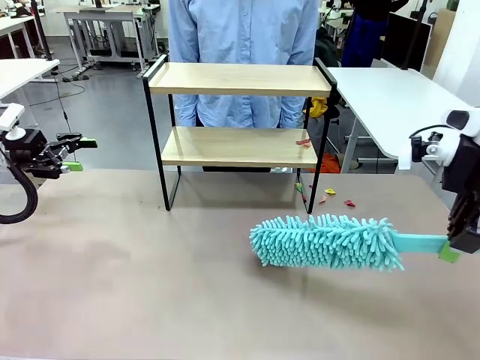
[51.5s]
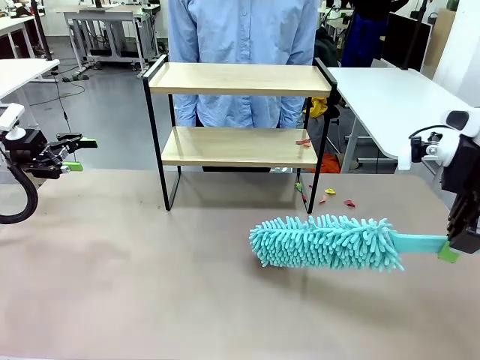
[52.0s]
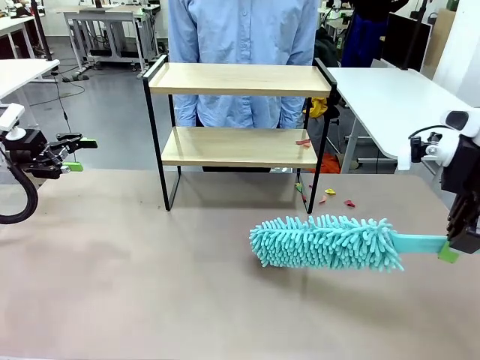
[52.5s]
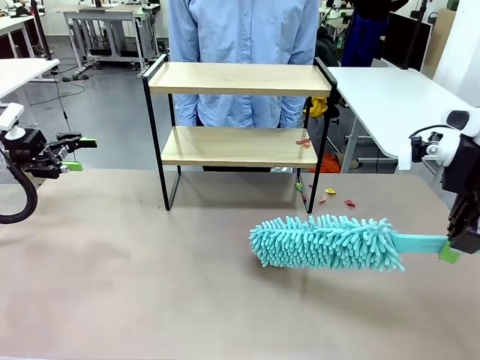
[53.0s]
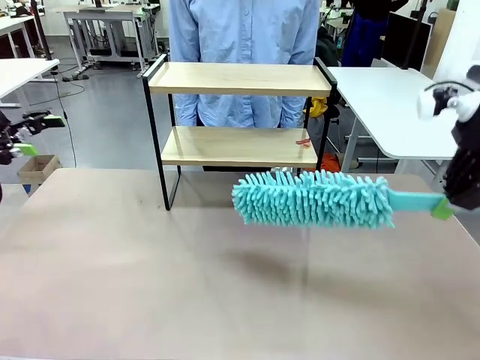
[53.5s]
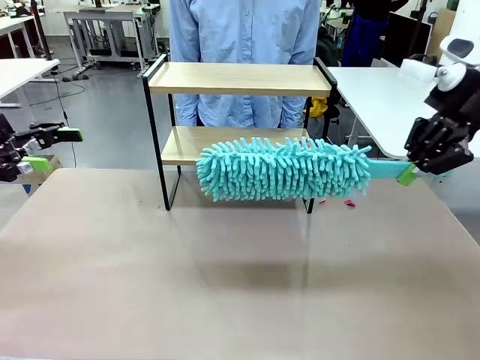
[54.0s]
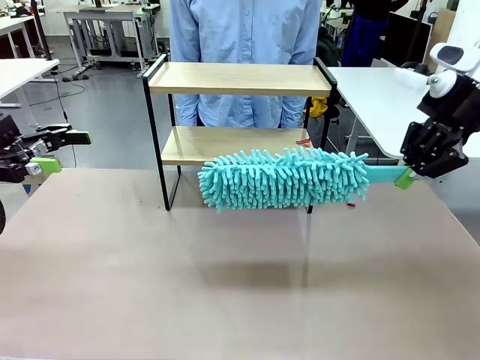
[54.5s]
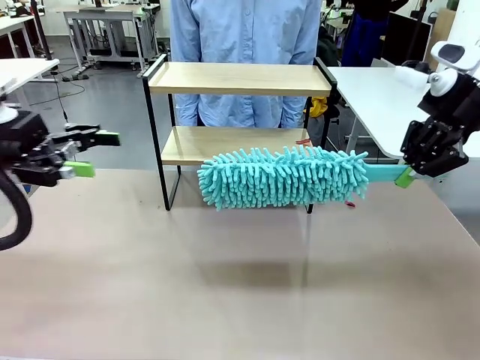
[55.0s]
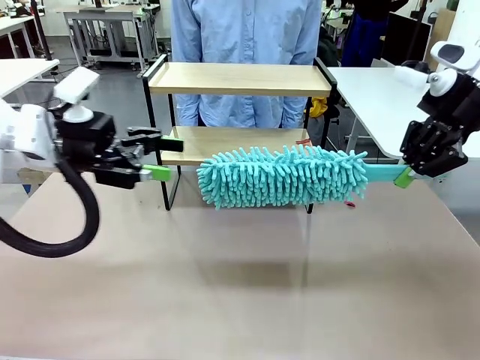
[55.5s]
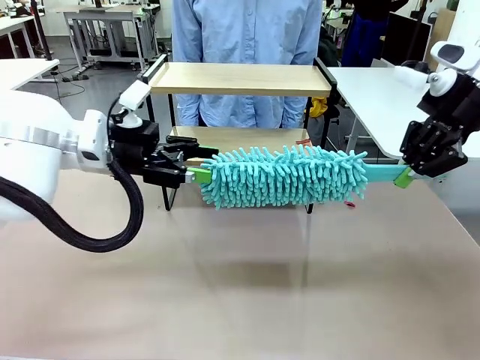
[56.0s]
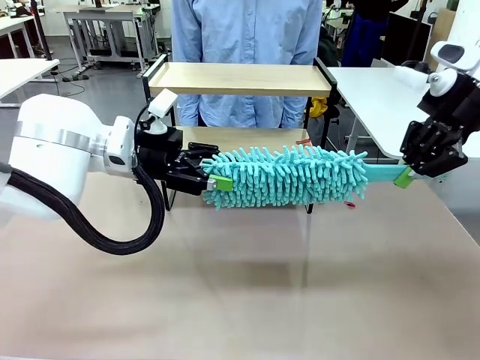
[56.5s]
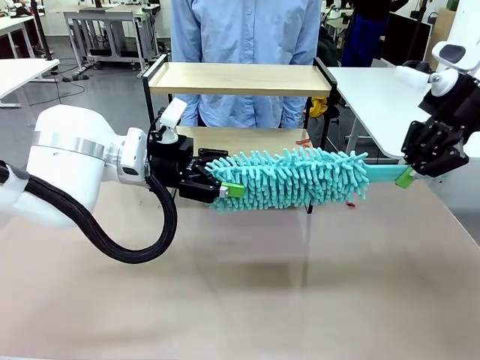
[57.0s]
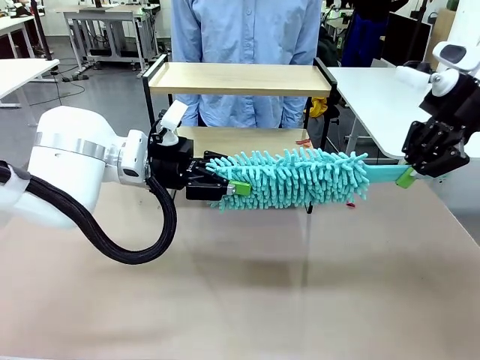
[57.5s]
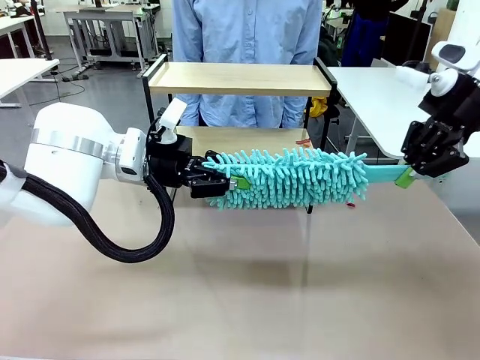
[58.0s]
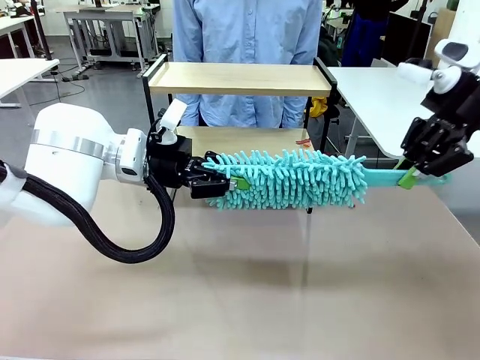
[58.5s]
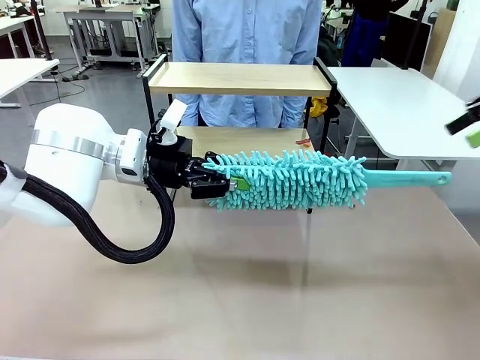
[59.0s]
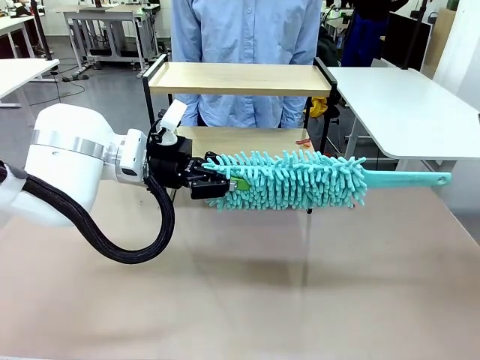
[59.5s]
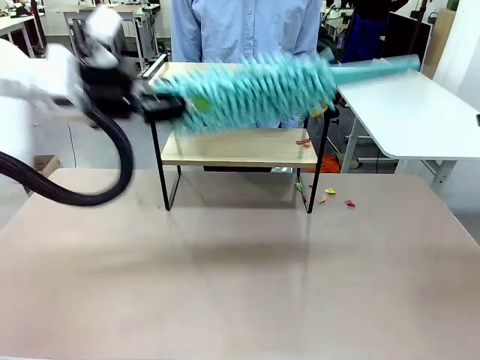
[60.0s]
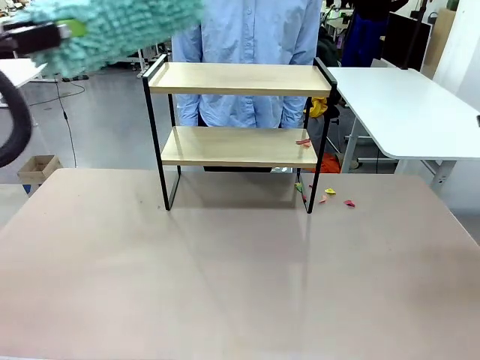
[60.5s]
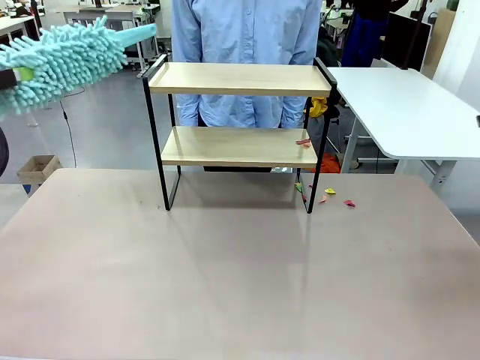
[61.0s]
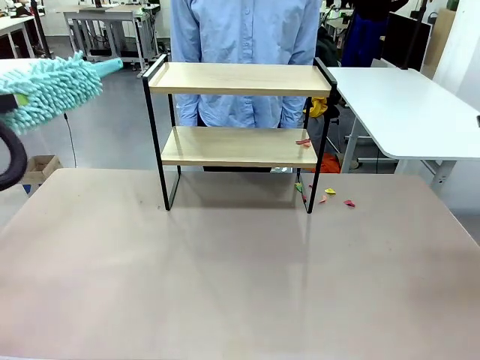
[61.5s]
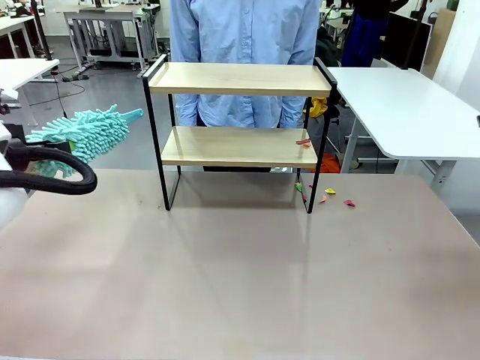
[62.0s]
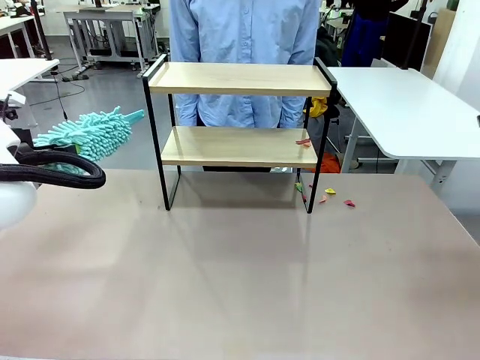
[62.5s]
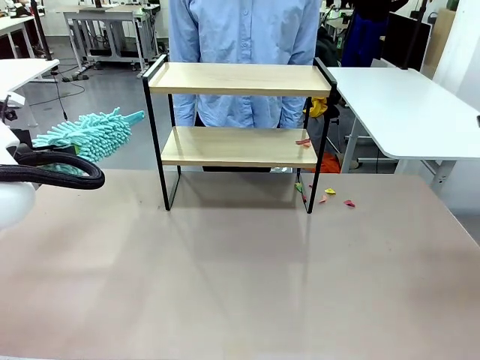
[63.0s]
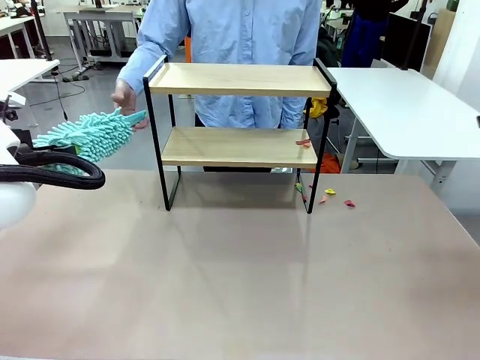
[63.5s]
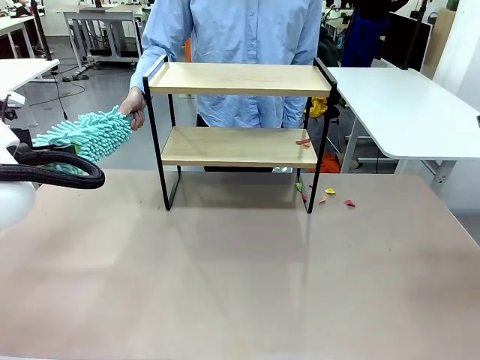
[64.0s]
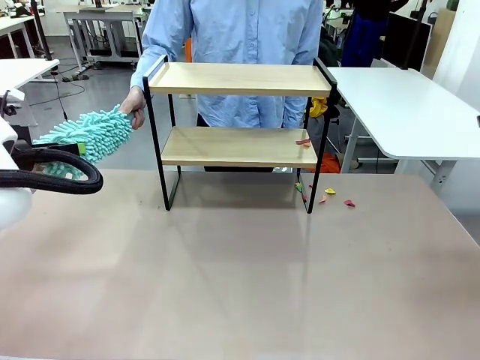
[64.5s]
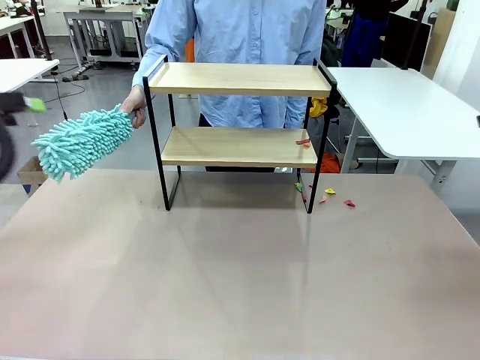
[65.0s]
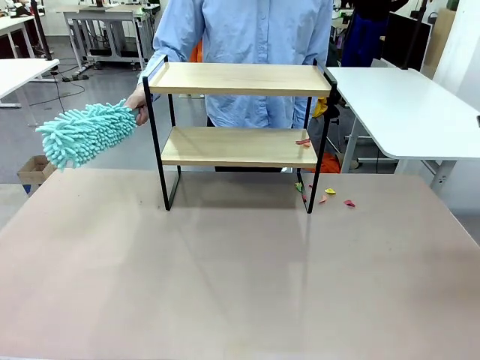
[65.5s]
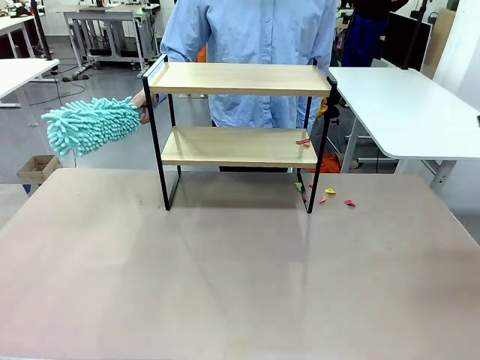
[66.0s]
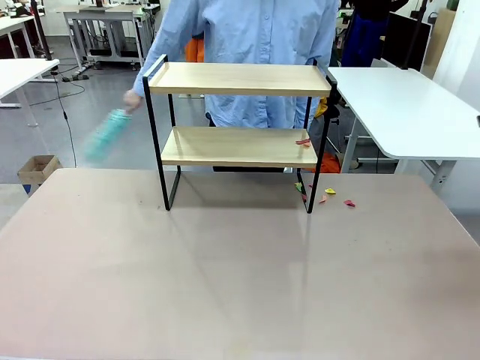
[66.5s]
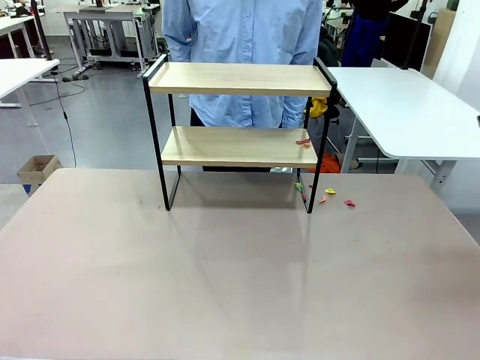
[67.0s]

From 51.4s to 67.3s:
Task: Clean the shelf.
Robot: Hand the Duster back to the human.
Person: Receive the Duster from the robot.

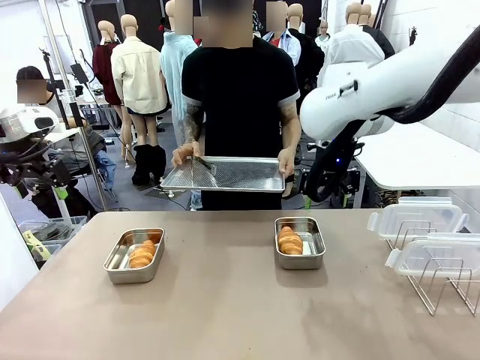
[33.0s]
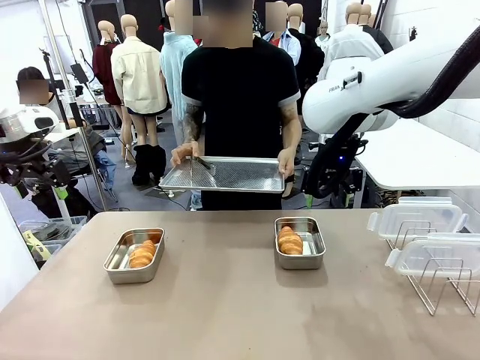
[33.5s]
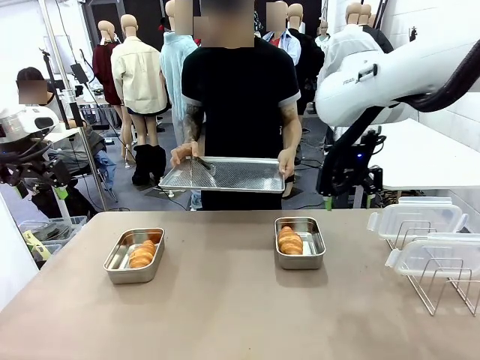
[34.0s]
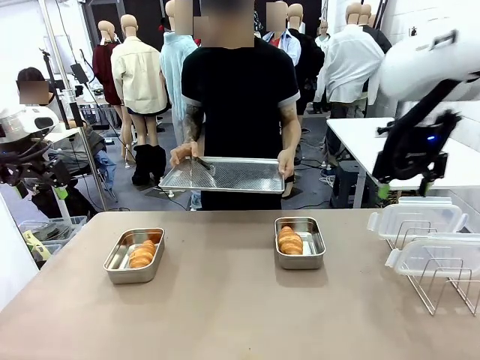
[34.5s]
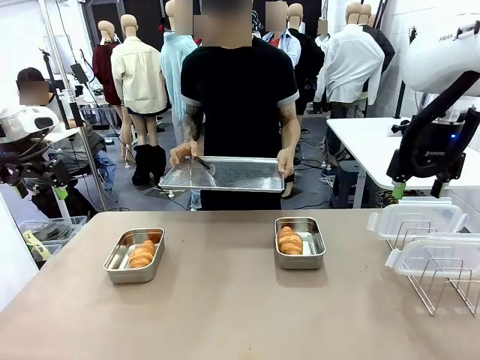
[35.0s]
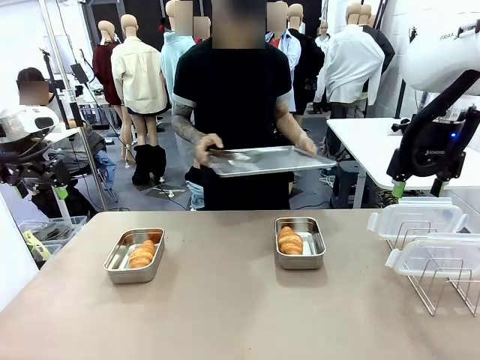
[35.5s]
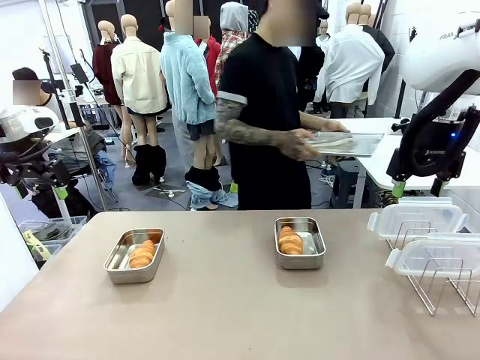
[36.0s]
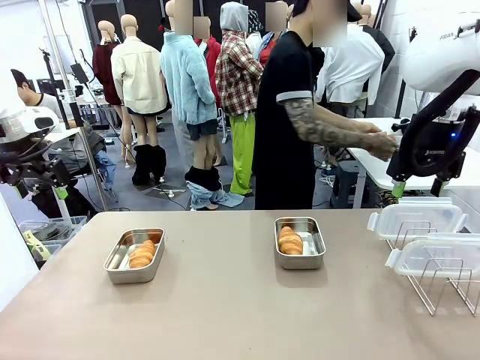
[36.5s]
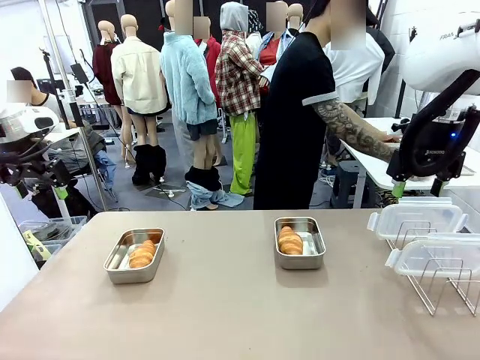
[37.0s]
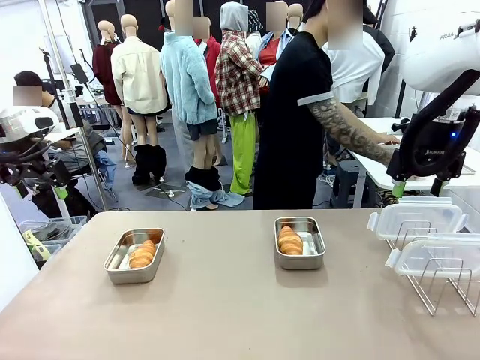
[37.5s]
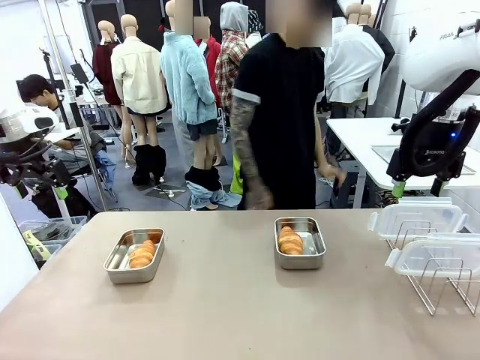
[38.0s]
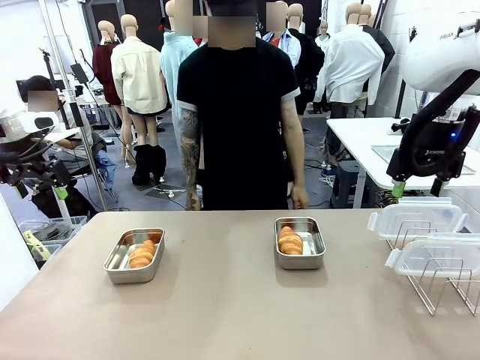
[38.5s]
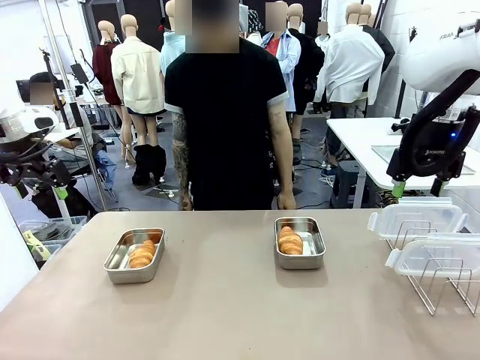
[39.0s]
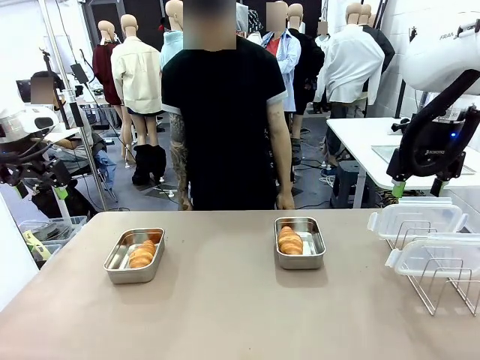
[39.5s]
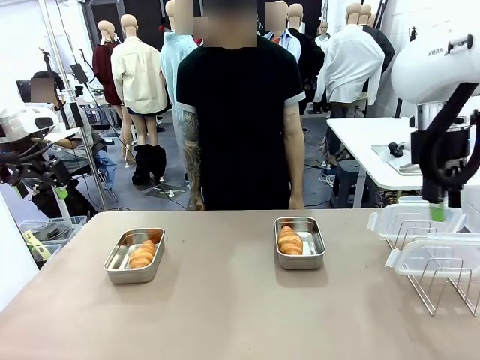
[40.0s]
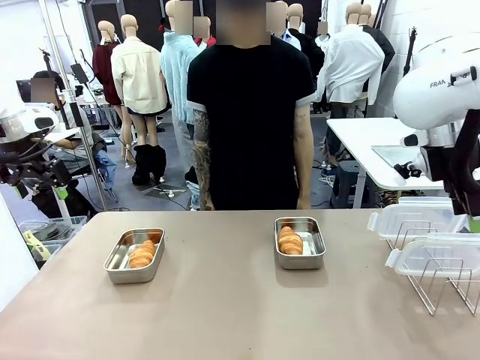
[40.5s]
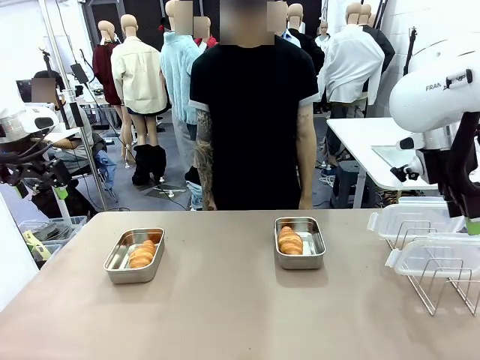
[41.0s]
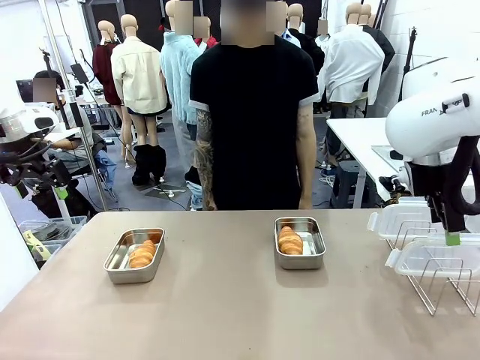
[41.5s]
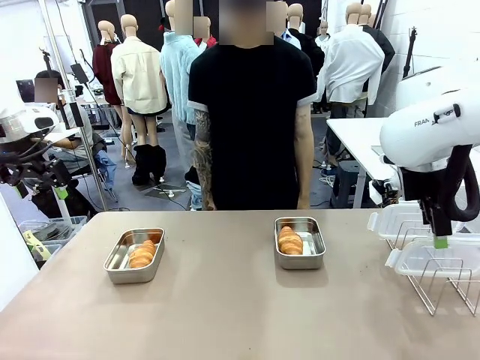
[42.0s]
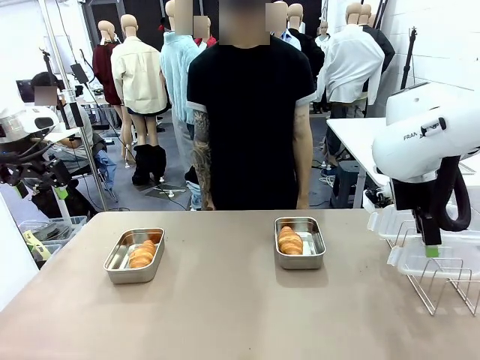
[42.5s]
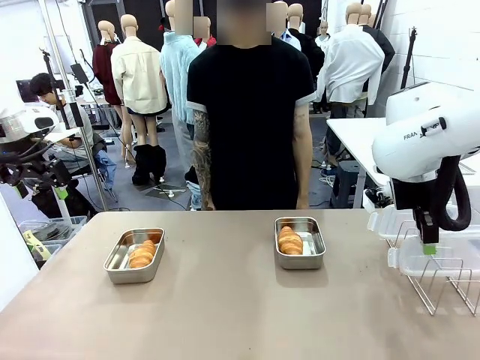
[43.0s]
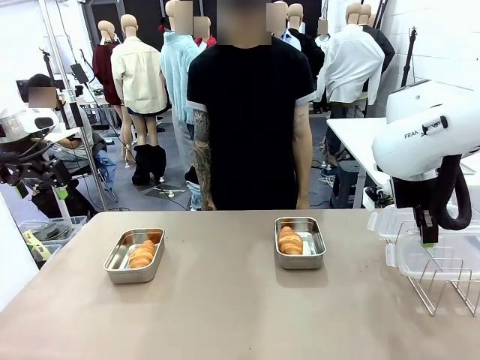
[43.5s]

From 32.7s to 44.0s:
Task: Place the bread in airtight containers.
Robot: Pick up one Airtight Container lid and hand it to the human.
Person: Place Baking Sheet on the Human's Table.

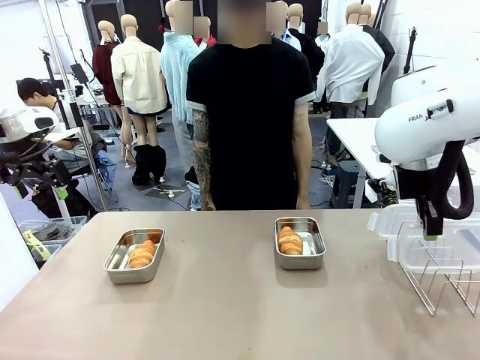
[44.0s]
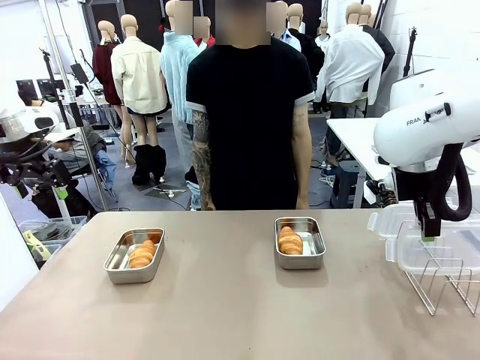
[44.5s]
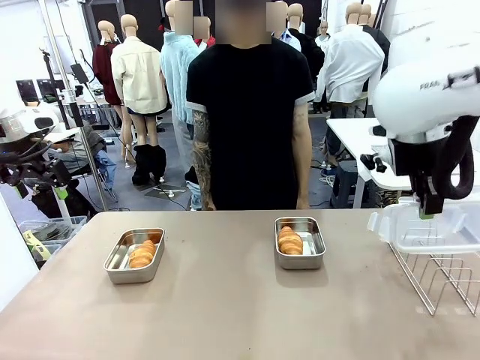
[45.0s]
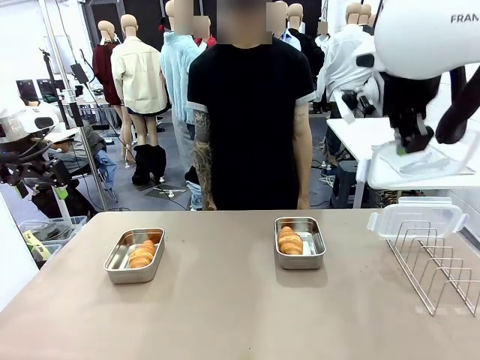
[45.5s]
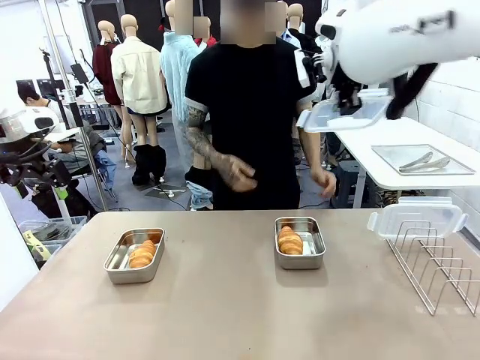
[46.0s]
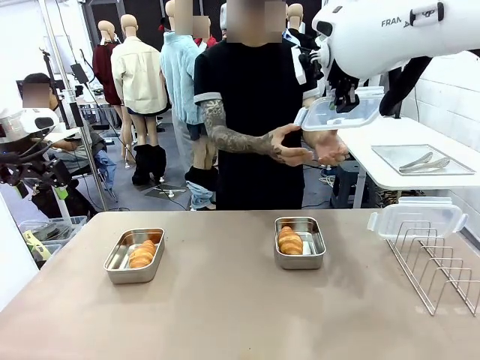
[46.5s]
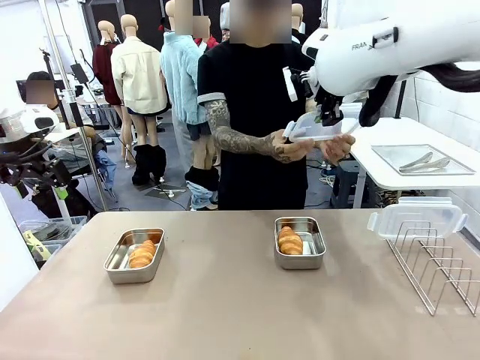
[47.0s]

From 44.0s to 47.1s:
Robot: Release when the human grabs the Airtight Container lid.
